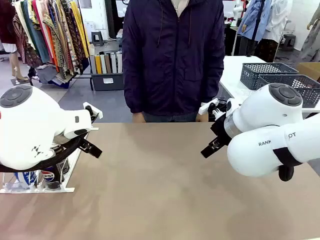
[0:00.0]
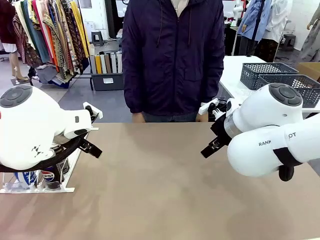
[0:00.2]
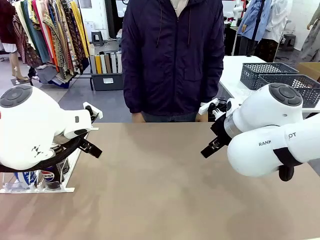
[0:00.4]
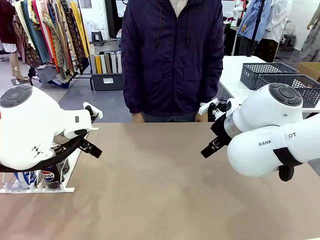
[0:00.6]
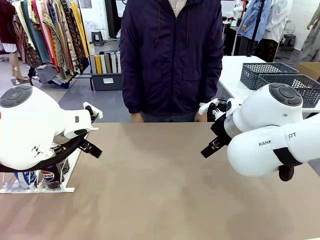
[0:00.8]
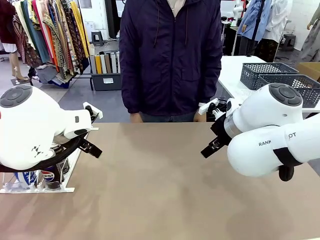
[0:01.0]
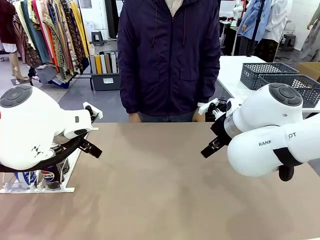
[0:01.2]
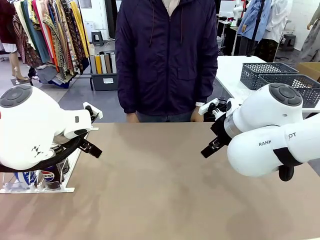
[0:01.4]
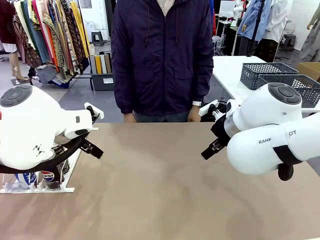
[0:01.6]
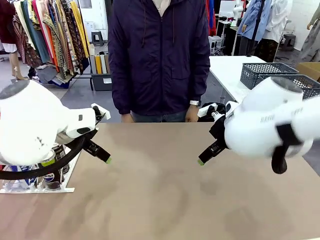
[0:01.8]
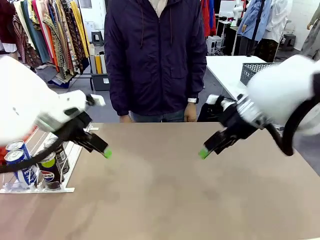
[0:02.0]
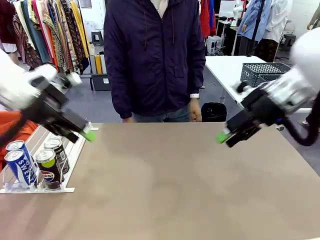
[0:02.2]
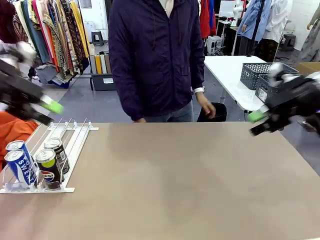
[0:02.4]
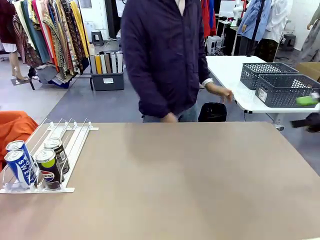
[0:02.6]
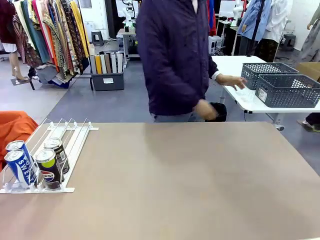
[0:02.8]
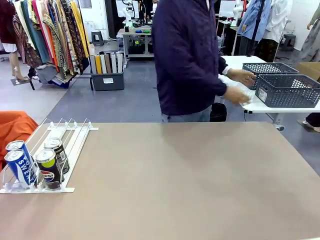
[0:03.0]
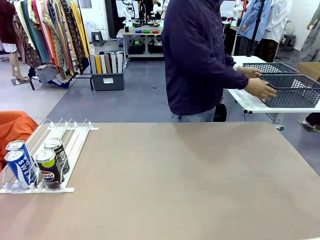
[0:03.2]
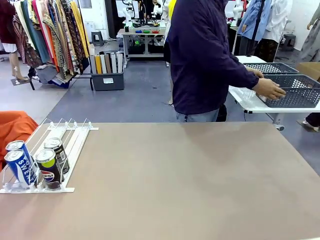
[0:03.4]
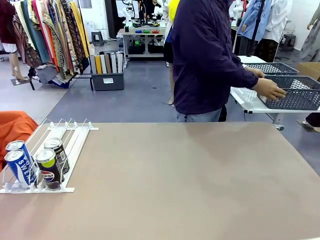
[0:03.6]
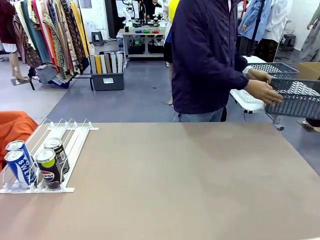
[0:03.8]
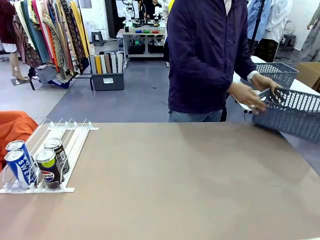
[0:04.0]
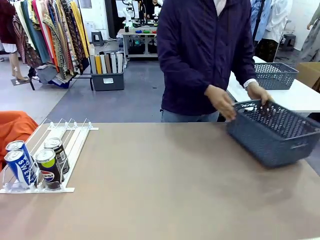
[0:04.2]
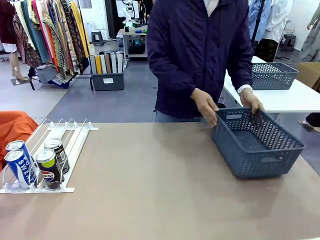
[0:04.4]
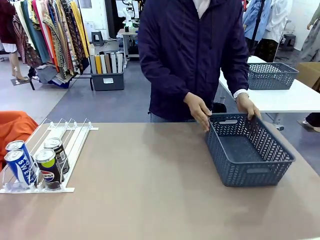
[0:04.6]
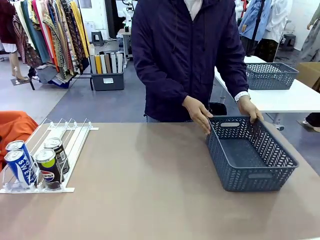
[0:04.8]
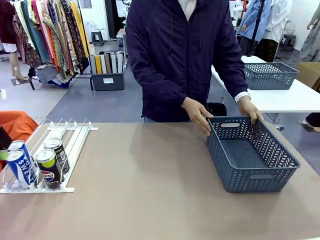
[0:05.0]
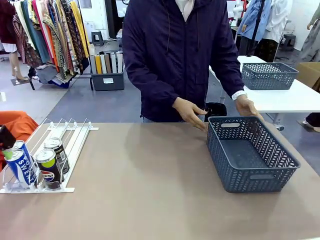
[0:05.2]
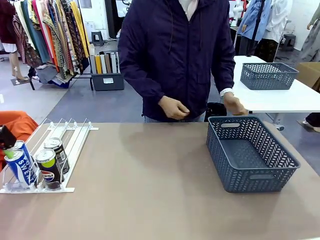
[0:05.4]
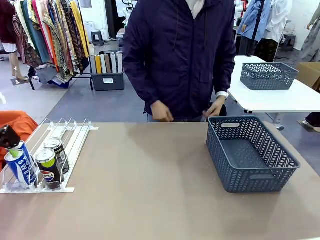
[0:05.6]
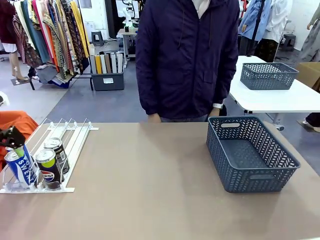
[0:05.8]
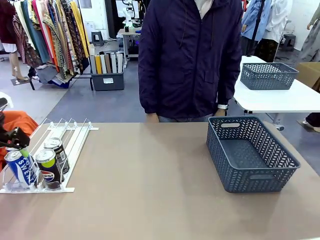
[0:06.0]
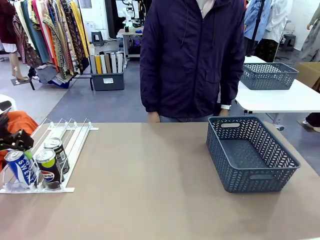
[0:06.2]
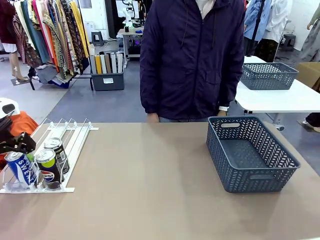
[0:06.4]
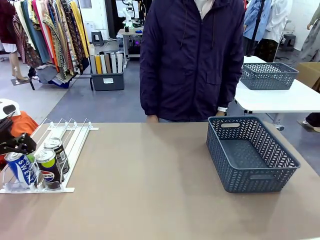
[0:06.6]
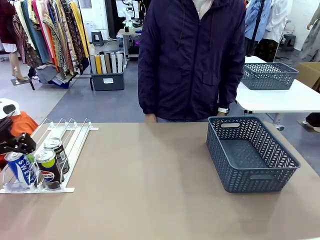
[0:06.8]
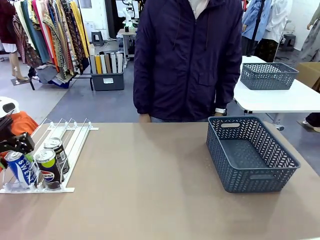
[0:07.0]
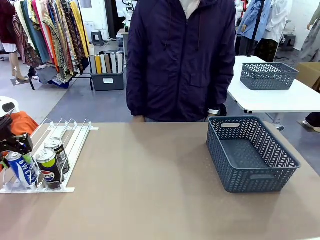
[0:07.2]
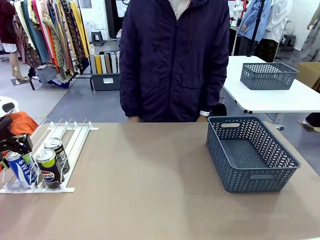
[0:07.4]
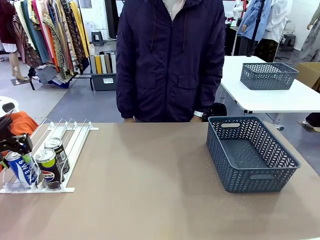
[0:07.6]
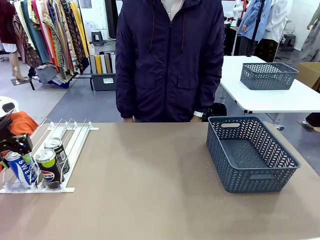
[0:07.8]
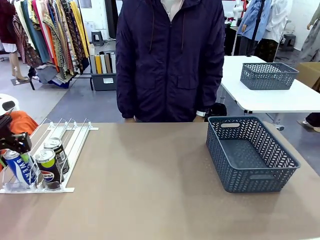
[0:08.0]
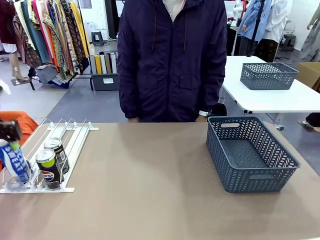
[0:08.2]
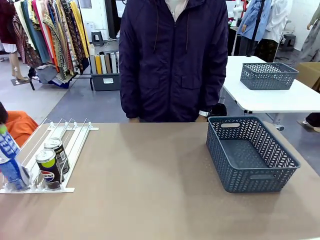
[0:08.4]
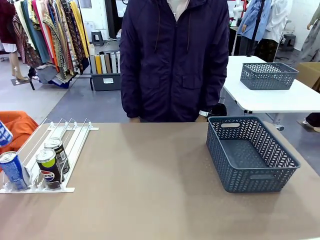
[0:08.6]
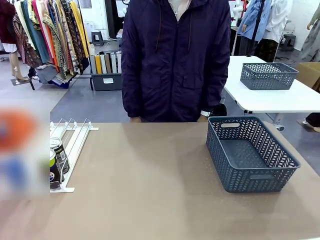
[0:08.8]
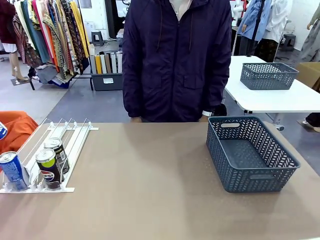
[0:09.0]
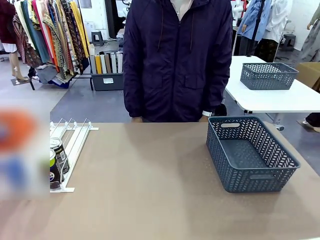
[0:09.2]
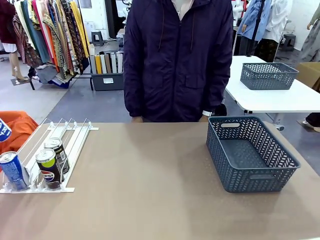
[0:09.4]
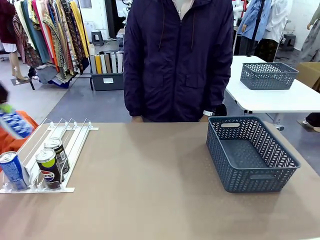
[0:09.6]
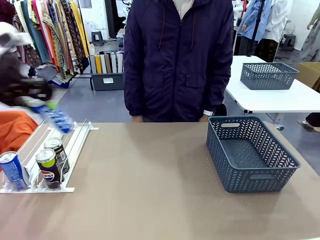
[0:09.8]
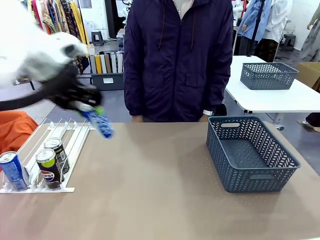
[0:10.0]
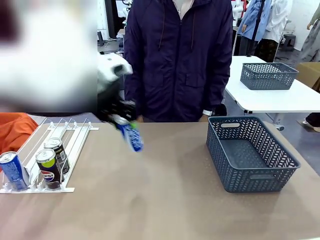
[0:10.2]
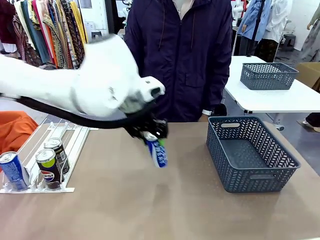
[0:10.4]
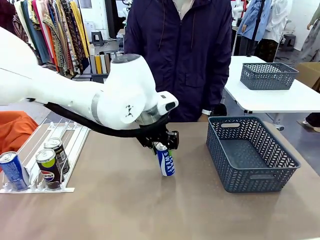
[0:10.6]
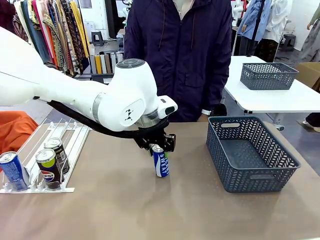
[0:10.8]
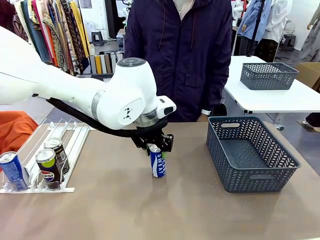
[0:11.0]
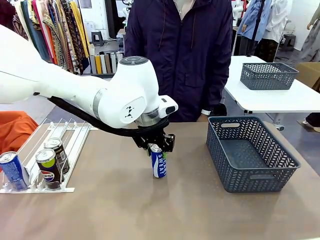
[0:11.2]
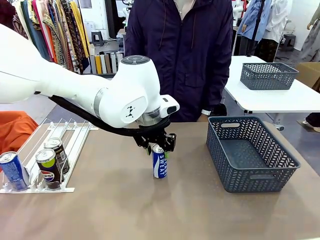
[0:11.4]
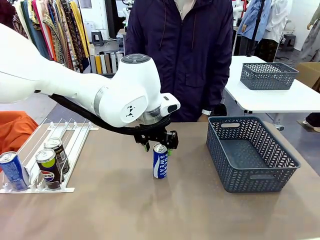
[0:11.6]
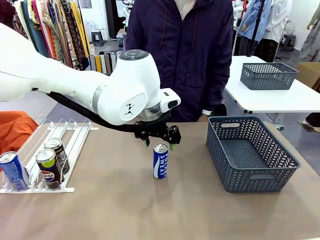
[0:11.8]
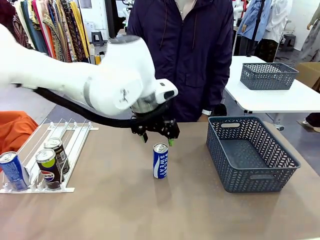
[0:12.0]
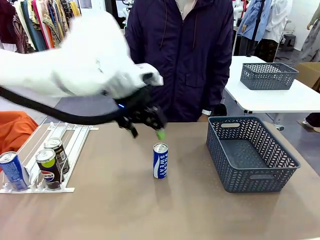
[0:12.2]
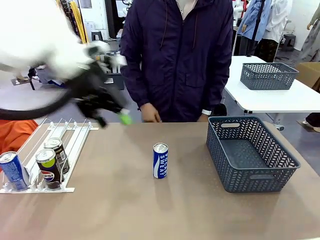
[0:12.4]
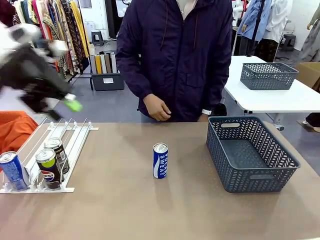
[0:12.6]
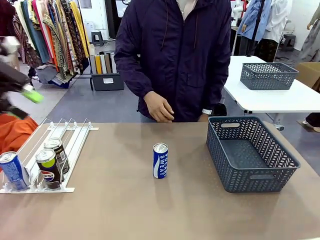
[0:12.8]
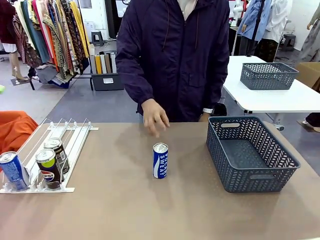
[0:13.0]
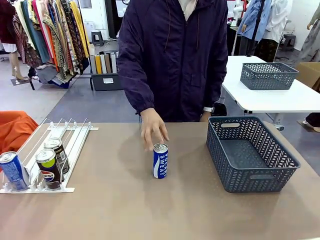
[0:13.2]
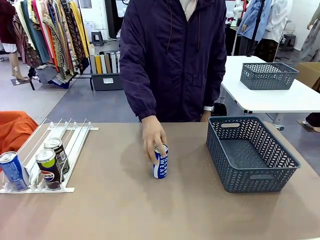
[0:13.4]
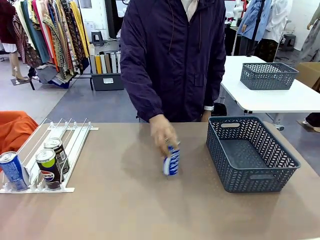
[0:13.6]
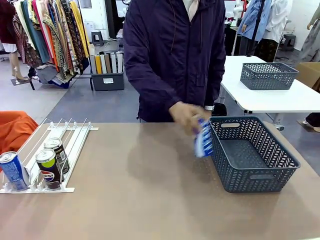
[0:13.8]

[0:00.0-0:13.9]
Task: Retrieve and store the cans from the dispenser.
Robot: Pick up one can from the Automatic Can Dispenser and place it in the middle of the table.
Person: Pick up the basket and place it on the left side of the robot table.

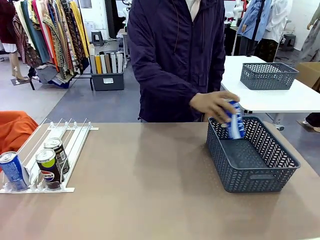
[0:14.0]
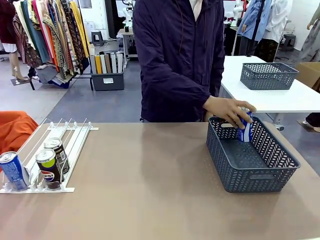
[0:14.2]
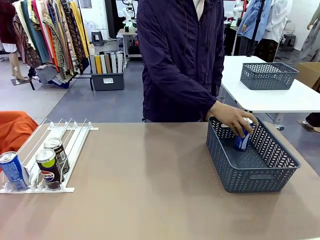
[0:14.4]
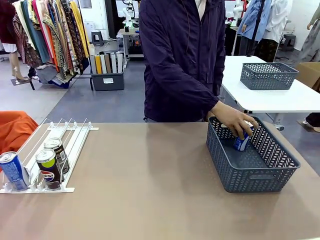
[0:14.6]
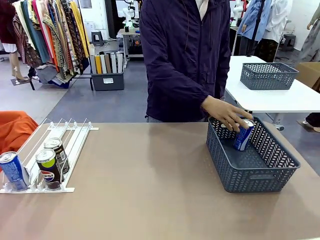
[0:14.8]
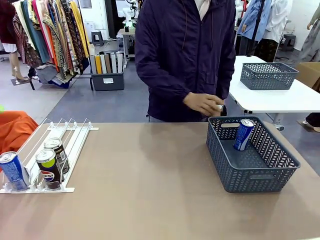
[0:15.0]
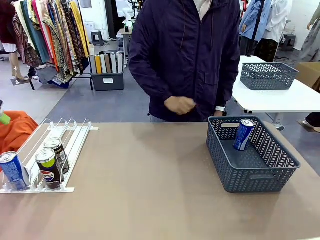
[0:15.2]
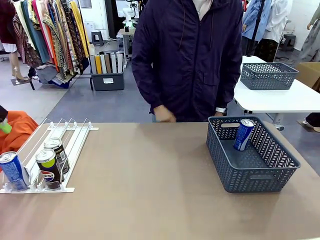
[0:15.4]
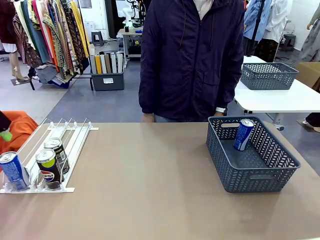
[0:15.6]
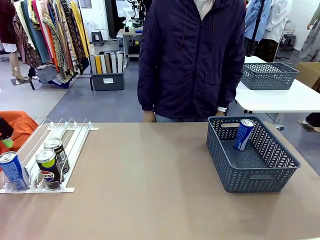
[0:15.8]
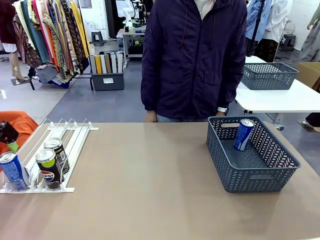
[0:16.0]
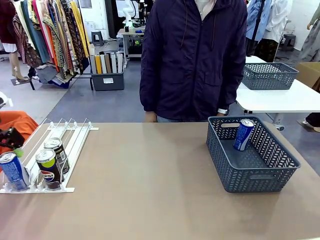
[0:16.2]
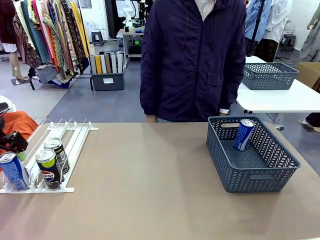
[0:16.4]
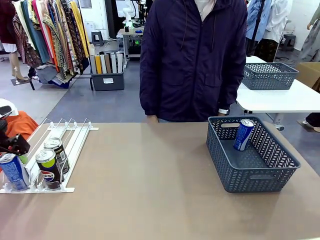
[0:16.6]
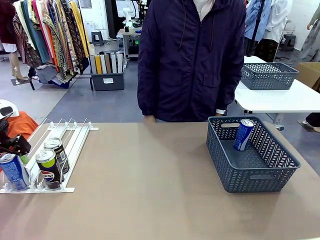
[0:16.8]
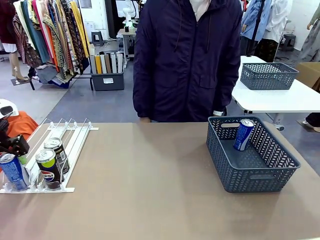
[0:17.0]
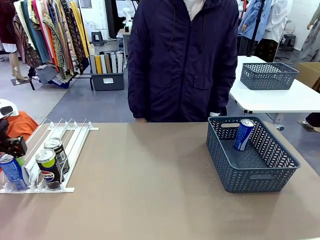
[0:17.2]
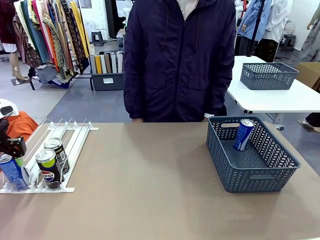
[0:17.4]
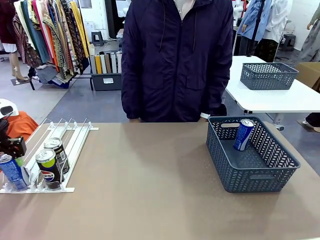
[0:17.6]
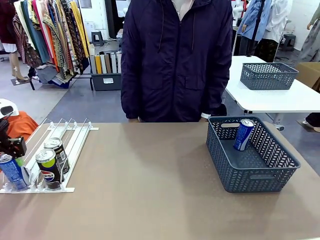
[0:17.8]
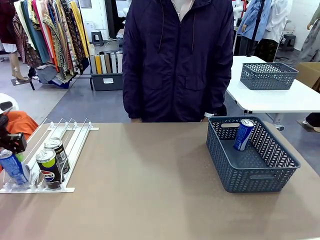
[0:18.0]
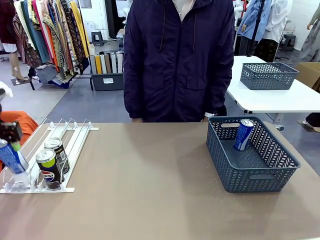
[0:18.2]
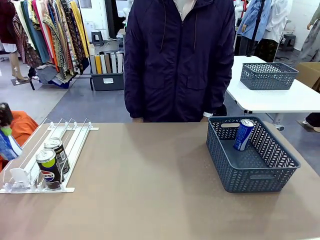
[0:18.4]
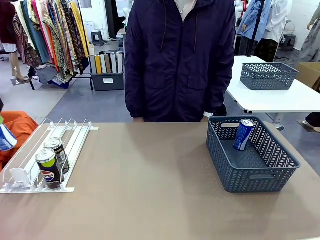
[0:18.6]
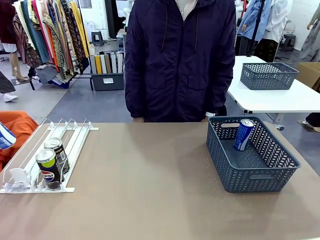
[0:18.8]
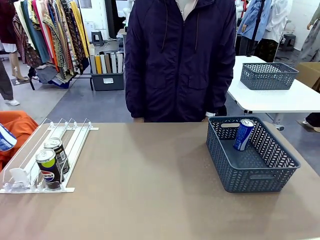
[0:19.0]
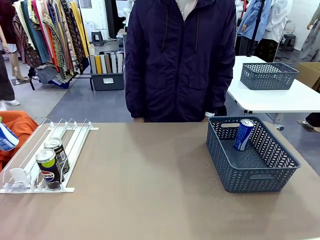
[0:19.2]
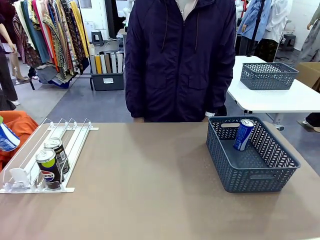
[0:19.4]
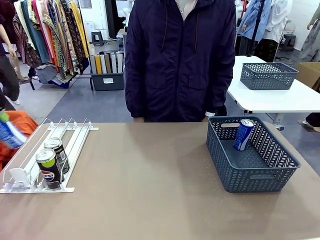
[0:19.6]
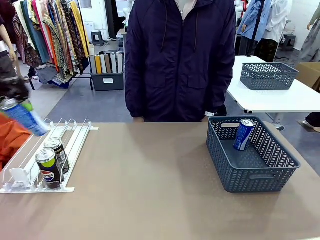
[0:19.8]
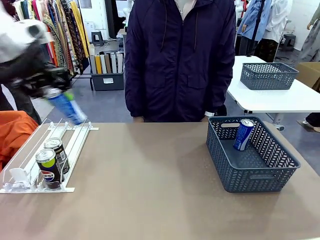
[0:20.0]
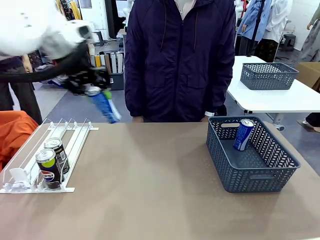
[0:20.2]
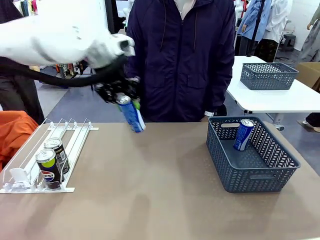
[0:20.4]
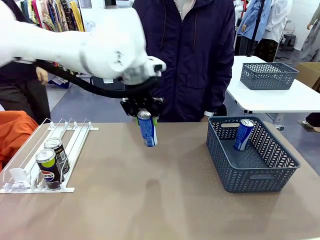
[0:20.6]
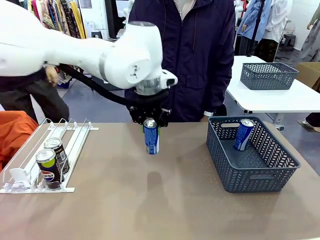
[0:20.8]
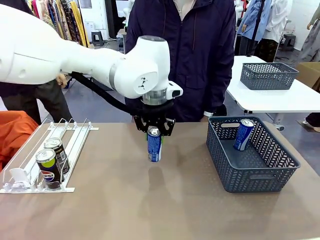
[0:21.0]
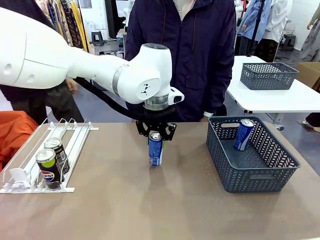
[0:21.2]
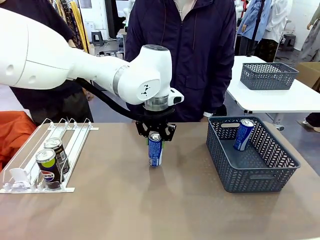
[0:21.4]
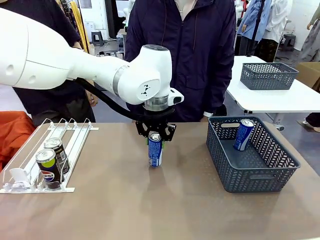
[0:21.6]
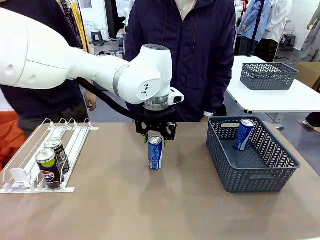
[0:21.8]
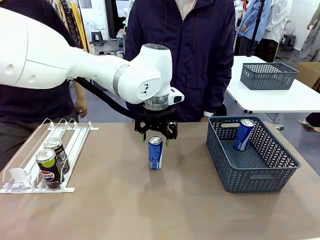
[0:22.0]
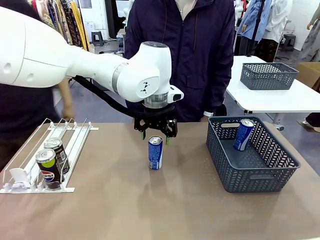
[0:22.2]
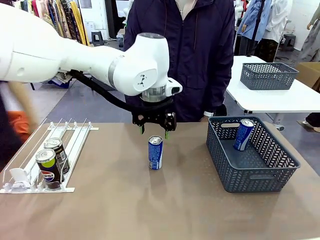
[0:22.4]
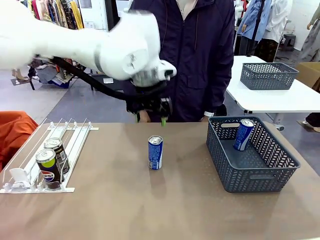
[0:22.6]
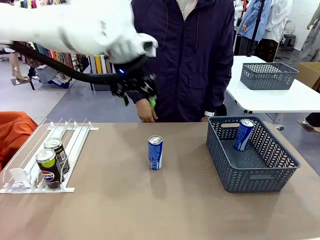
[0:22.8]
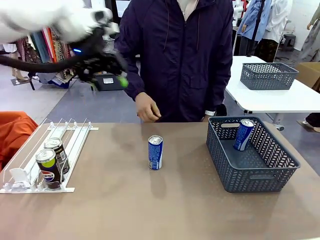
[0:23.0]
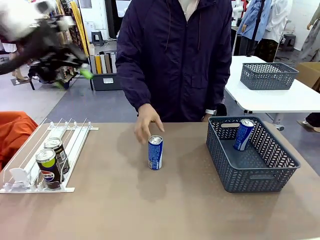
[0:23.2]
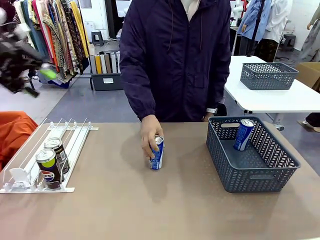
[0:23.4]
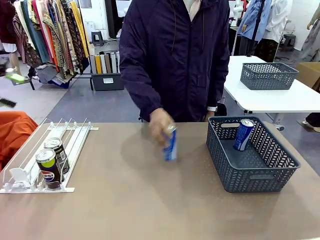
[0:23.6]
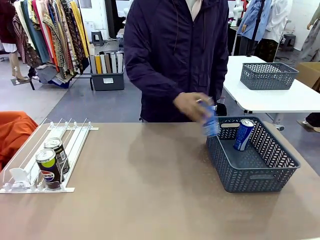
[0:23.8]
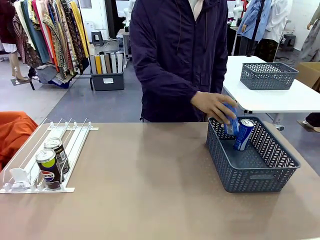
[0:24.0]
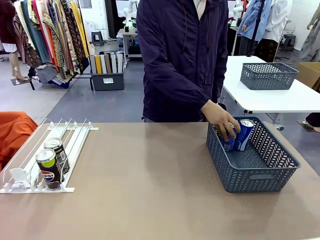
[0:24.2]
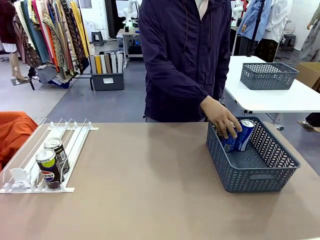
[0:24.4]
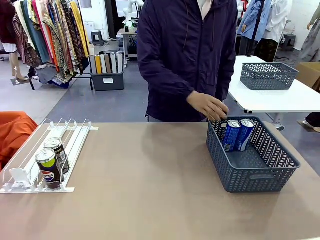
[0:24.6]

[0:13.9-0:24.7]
Robot: Pick up the last remaining can from one row of the Automatic Can Dispenser and place it in the middle of the table.
Person: Pick up one Pepsi can from the middle of the robot table and place it in the basket.
